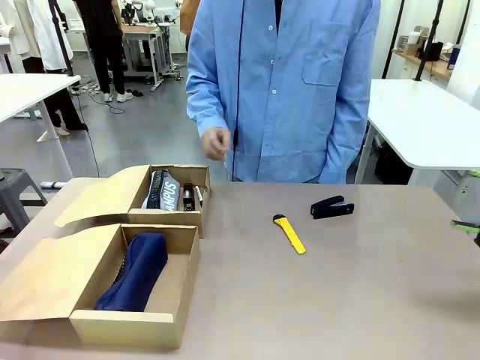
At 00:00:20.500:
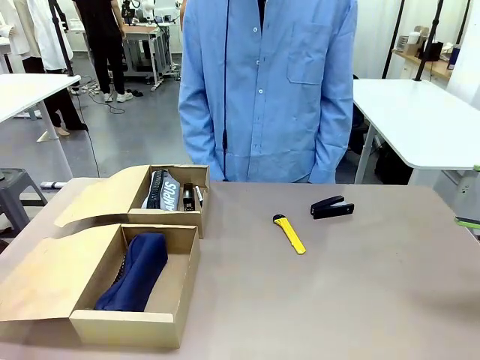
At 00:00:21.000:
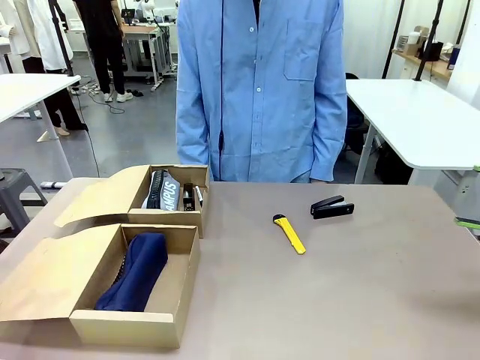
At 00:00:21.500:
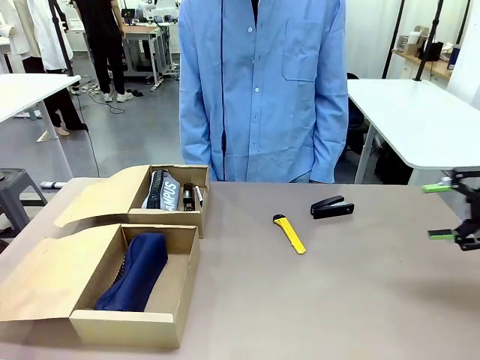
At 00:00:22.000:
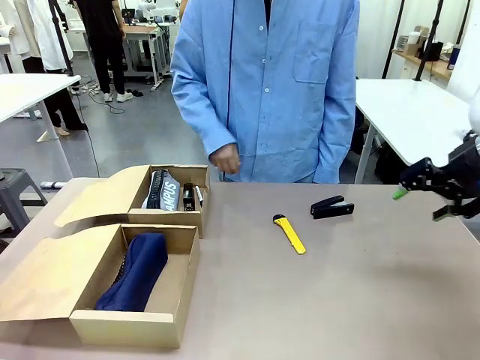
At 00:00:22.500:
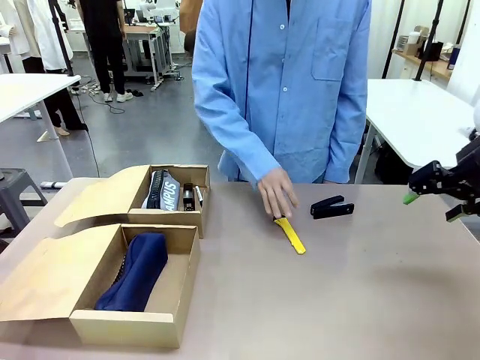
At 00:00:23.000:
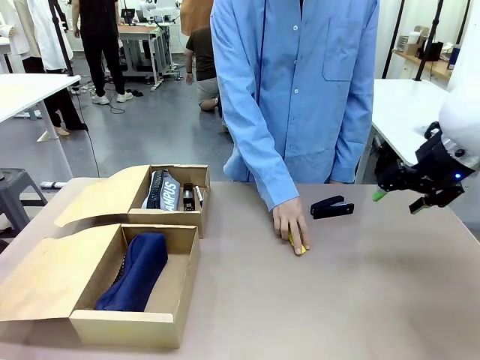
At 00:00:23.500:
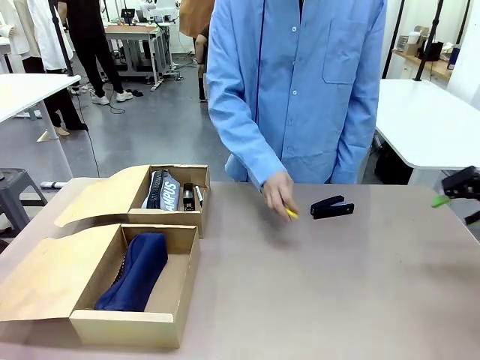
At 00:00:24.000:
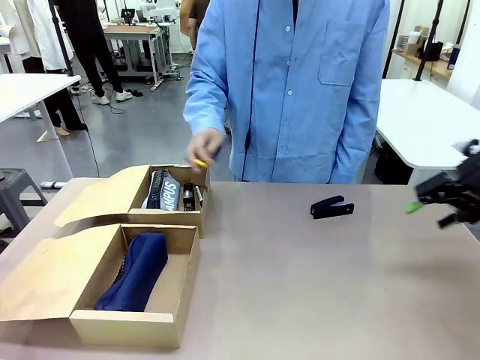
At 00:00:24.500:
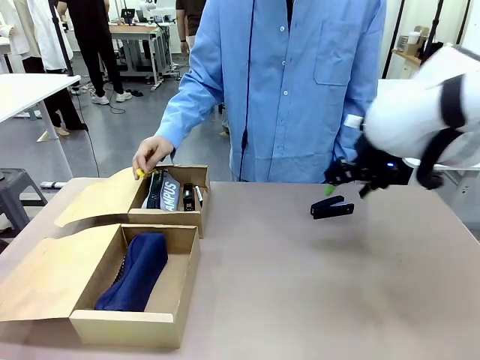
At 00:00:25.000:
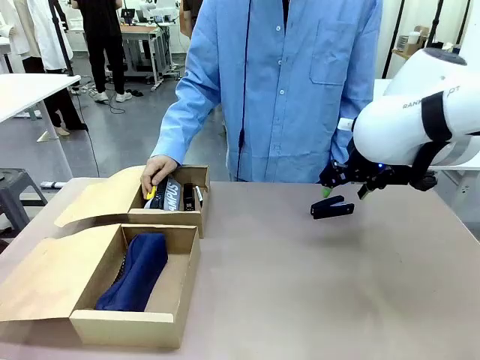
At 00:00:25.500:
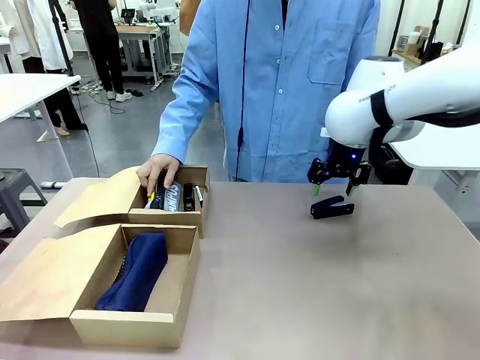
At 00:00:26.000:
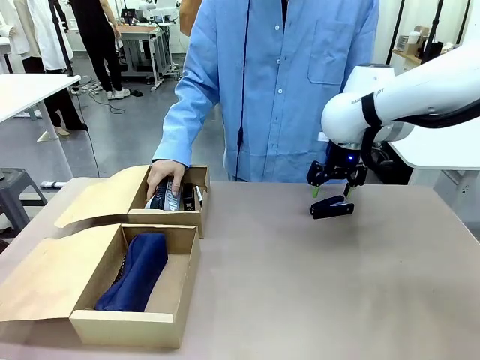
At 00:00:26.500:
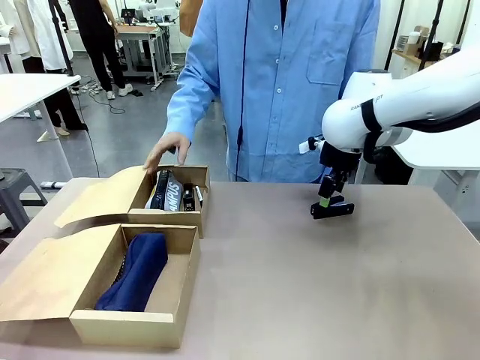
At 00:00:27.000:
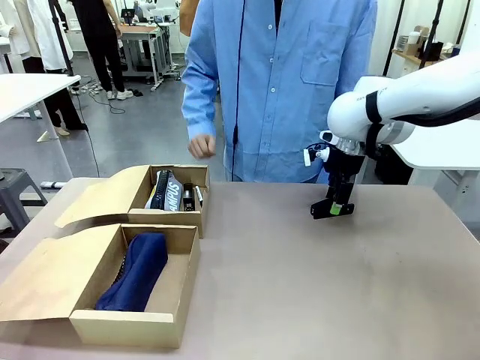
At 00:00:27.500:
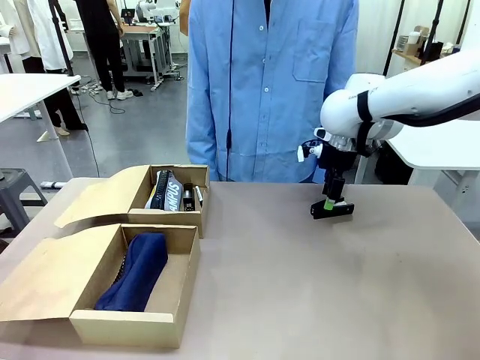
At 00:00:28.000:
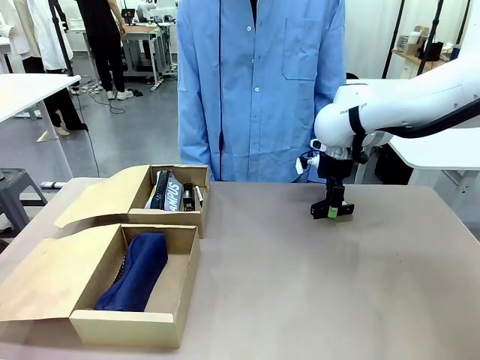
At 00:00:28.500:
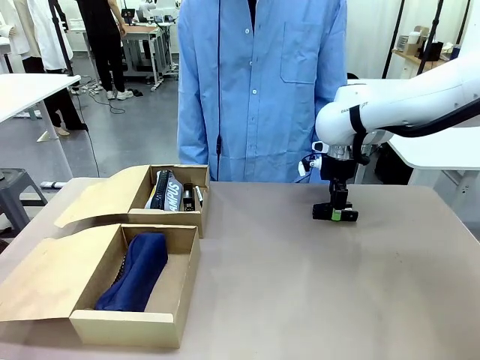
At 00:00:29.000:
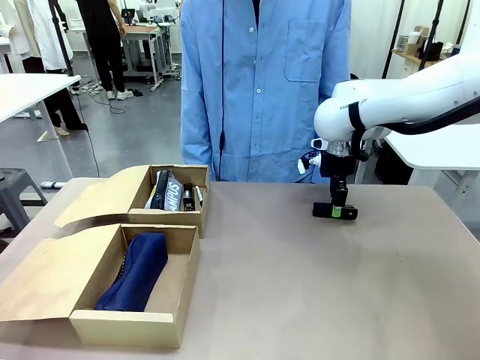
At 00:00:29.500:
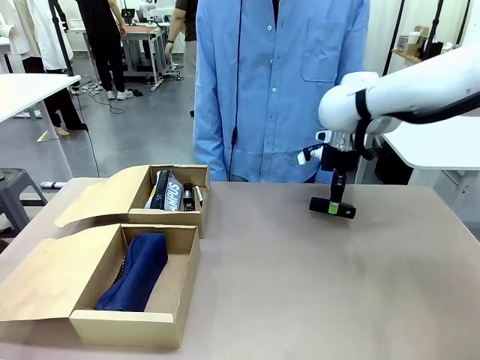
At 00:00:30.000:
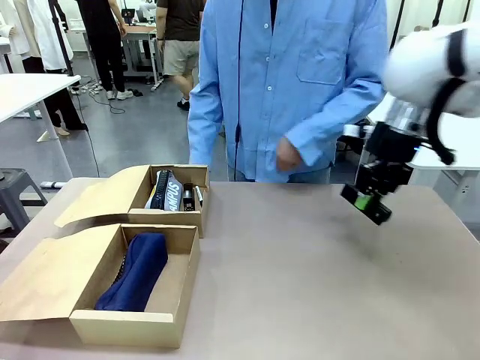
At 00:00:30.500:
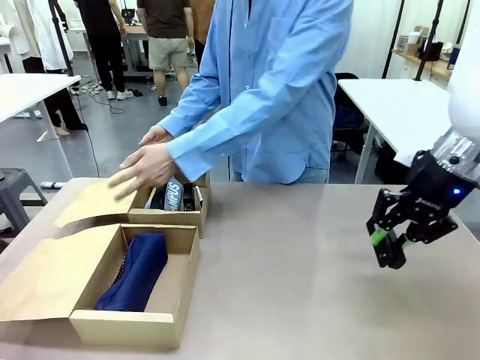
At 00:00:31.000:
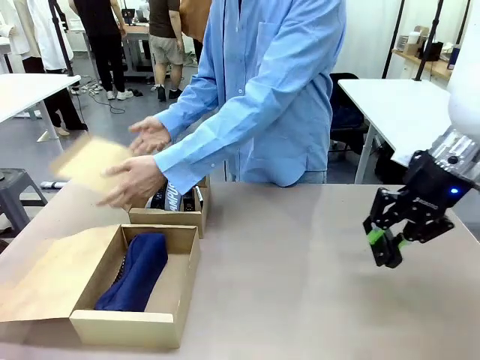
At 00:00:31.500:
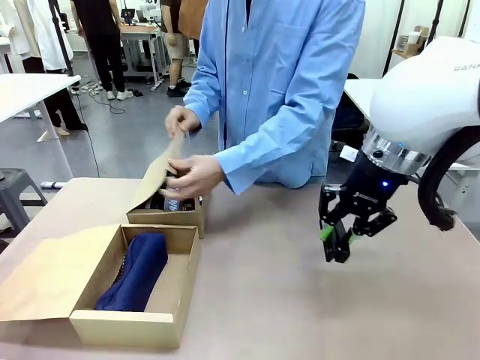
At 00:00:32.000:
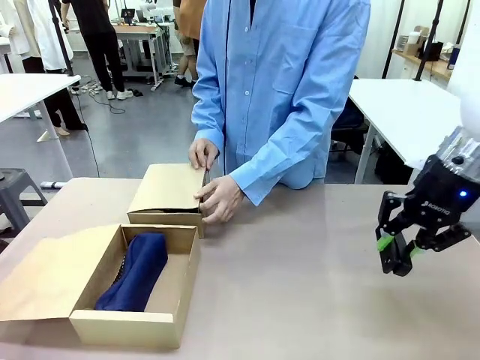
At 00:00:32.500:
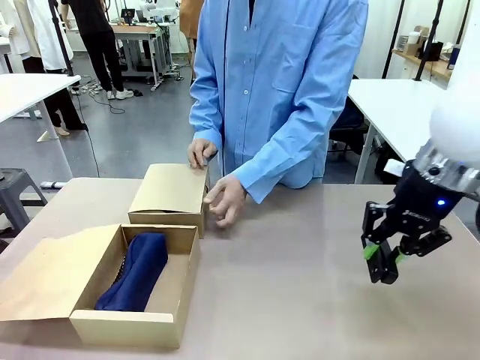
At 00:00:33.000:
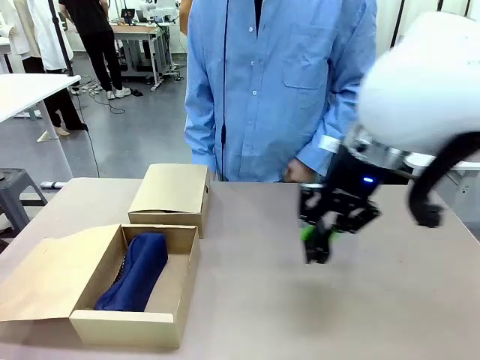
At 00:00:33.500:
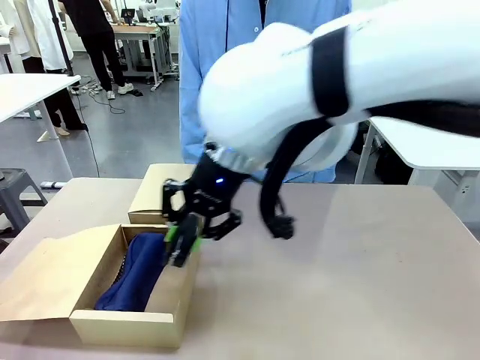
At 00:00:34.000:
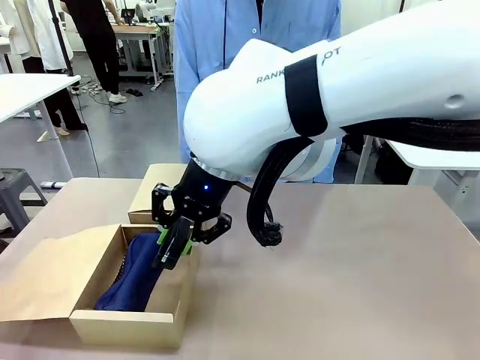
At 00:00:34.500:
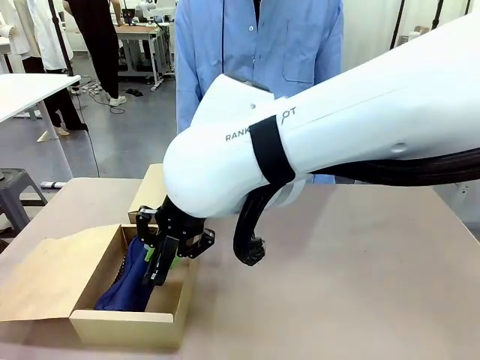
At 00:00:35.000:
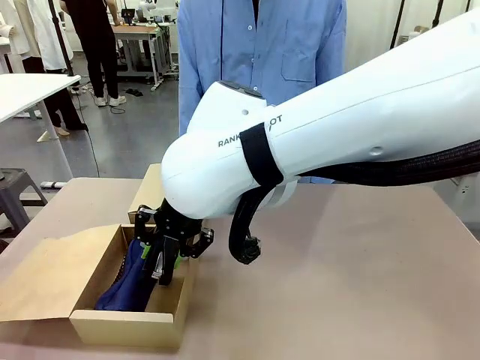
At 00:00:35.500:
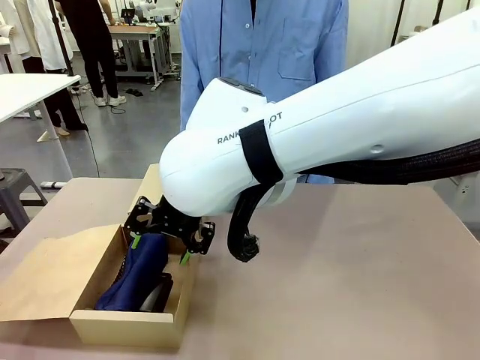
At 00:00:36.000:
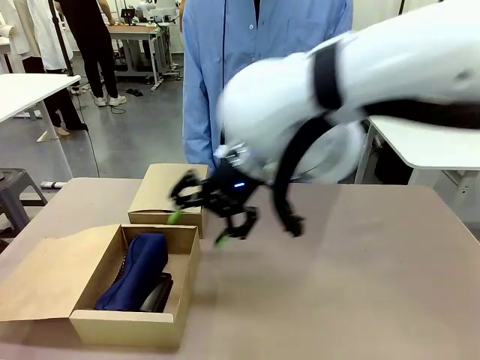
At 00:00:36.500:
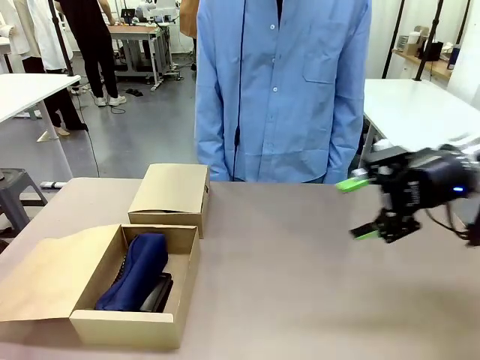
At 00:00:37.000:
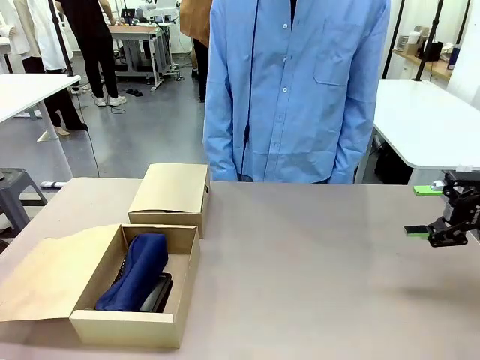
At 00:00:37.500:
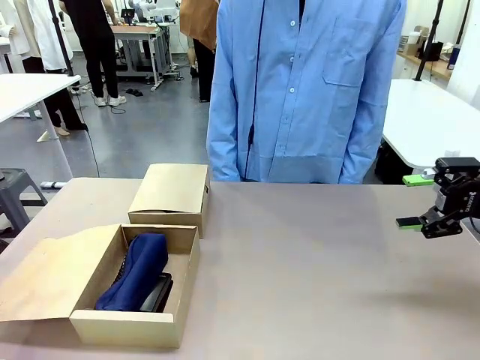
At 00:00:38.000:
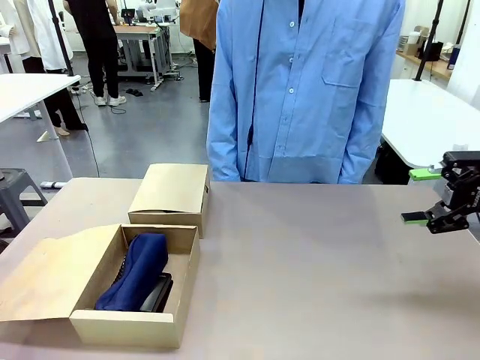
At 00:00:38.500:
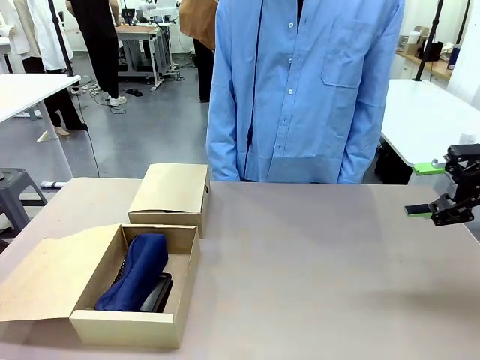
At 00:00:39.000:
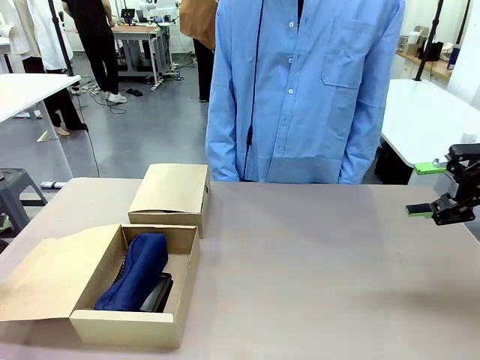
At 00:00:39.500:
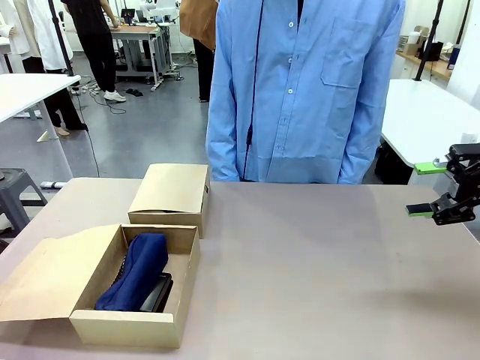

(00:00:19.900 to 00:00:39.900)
Task: Place items inside the box.
Robot: Pick up a Pencil pouch or Stapler and place it inside the Mailer Box closest to the robot.
Person: Close the lid of the box facing the person.

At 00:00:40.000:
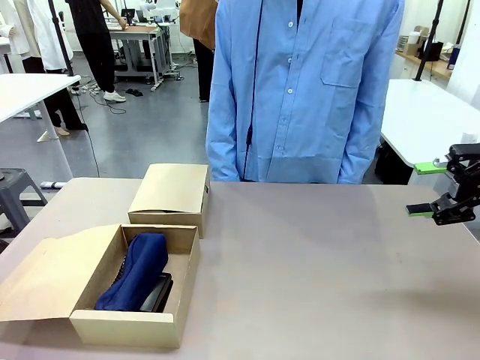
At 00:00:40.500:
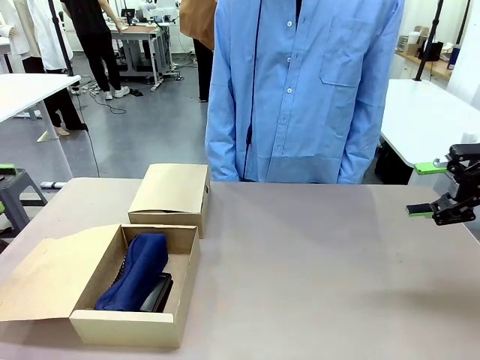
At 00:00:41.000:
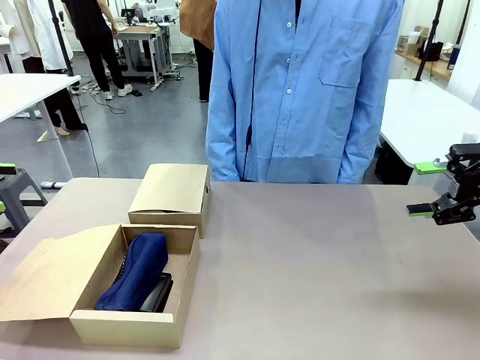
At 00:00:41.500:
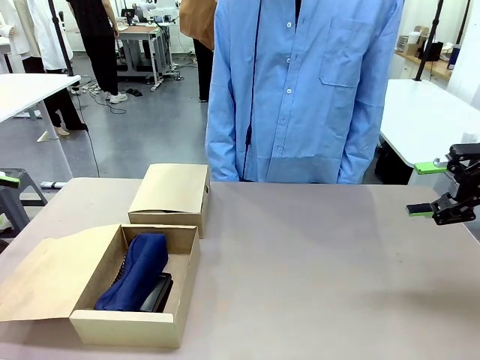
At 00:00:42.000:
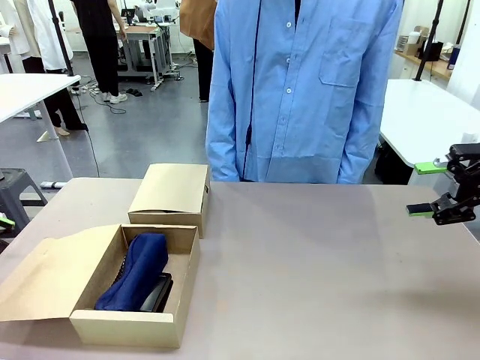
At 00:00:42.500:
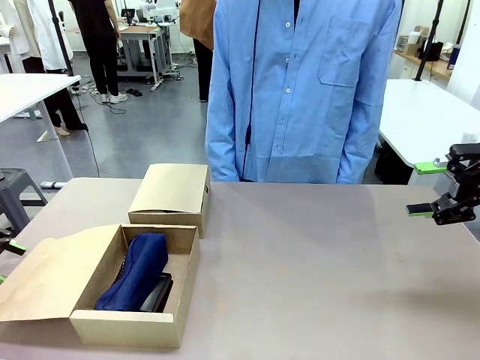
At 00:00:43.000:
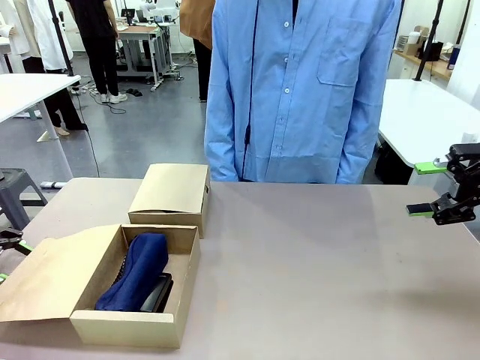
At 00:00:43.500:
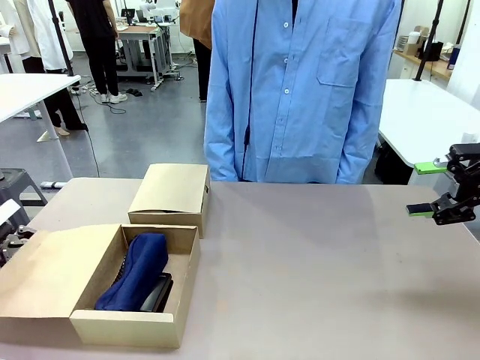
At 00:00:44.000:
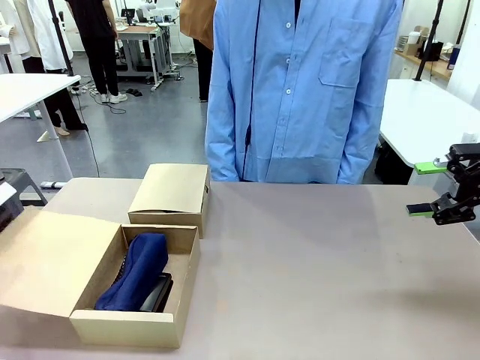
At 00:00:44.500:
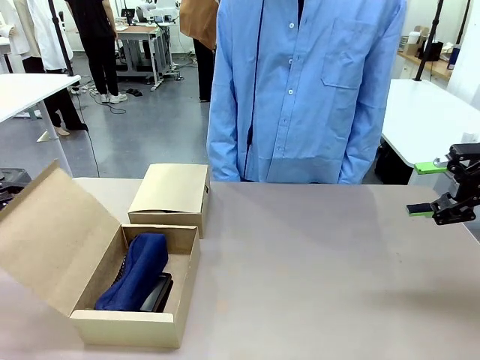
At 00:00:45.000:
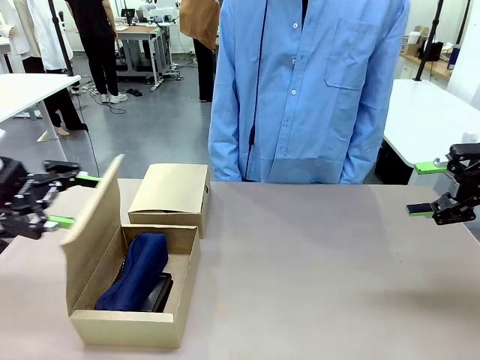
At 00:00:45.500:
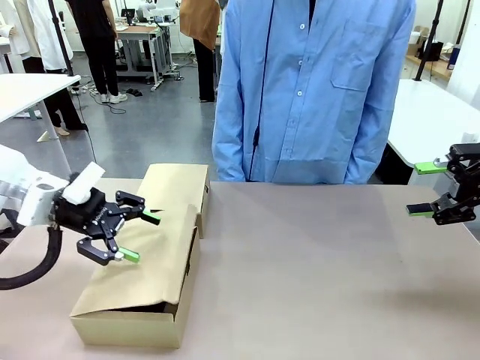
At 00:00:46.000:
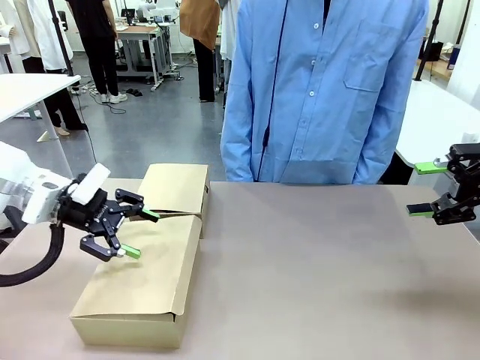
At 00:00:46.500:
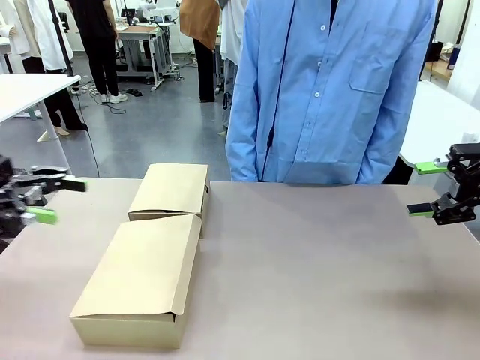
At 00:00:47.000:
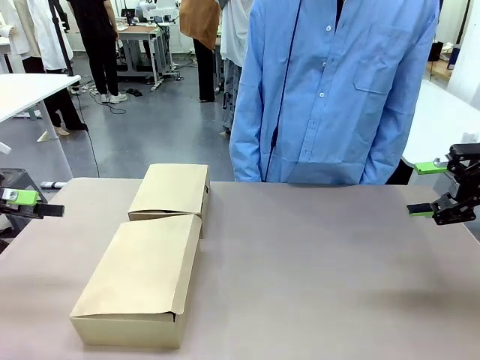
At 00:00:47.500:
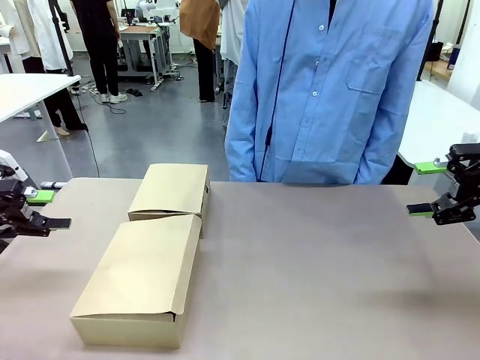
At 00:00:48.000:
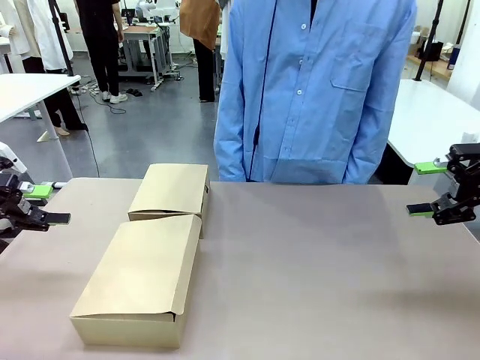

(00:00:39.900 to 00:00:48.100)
Robot: Close the lid of the Mailer Box closest to the robot.
